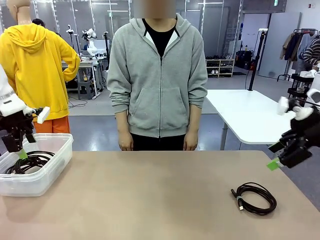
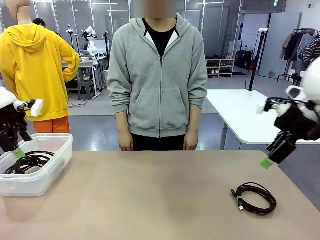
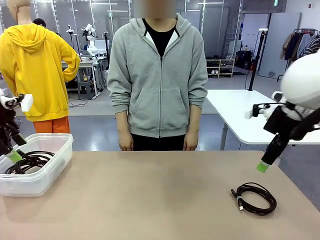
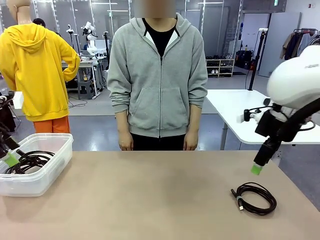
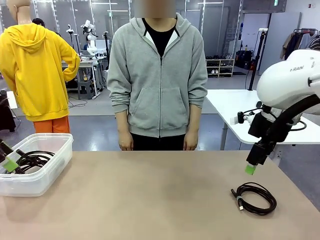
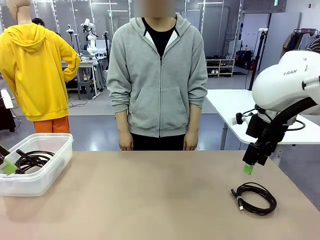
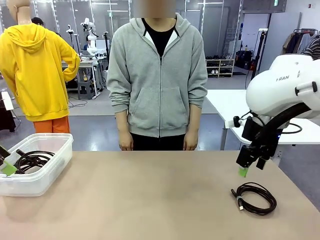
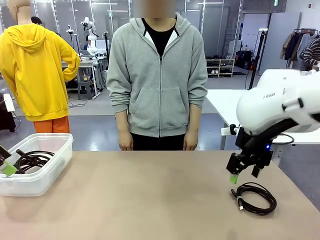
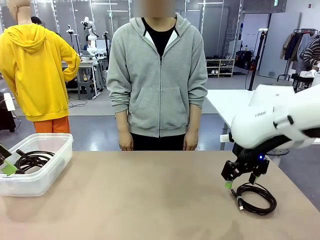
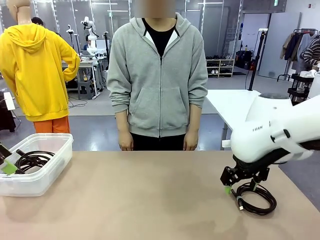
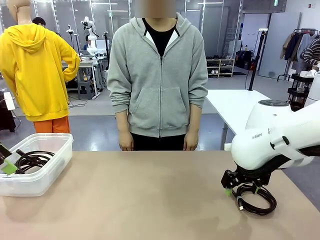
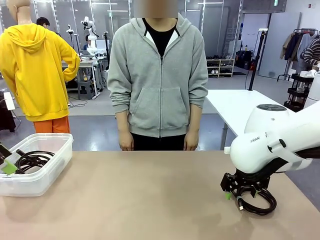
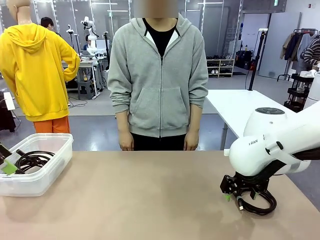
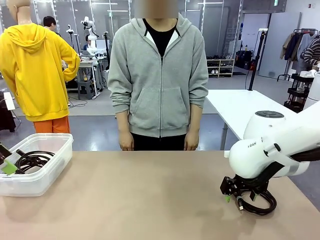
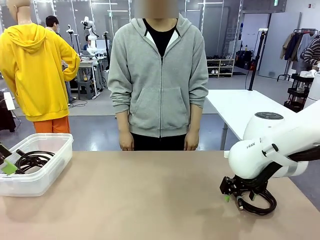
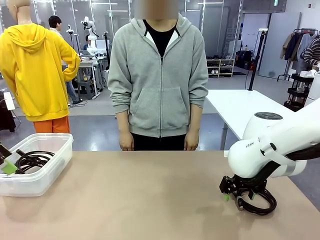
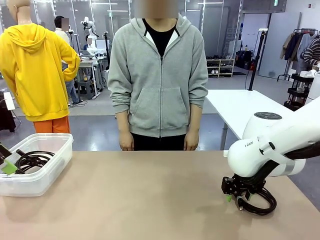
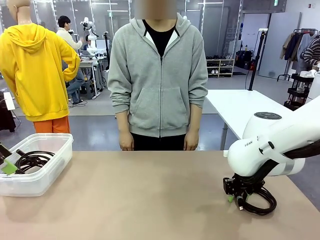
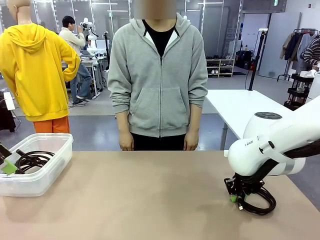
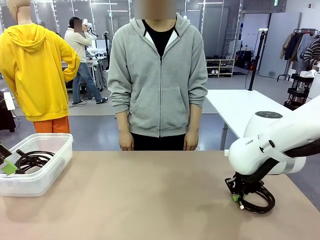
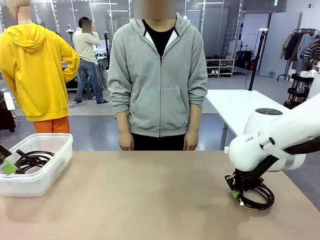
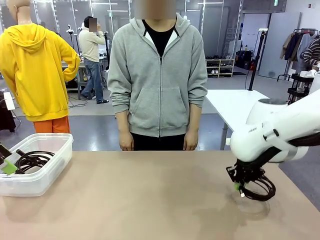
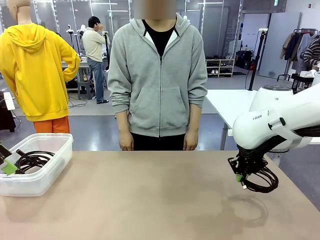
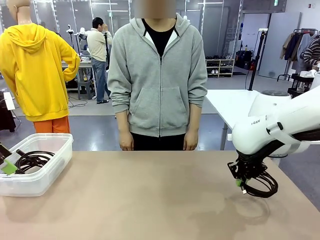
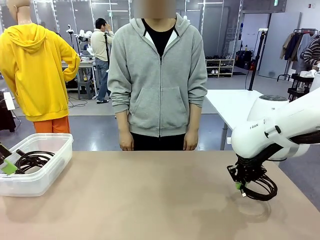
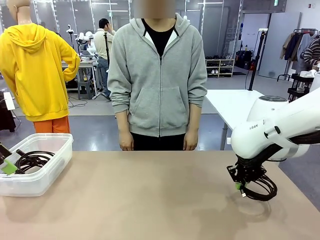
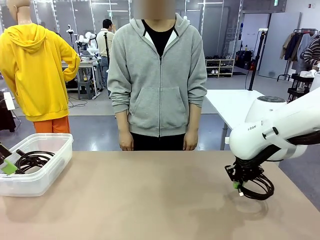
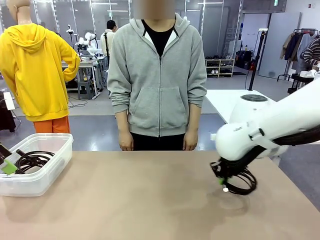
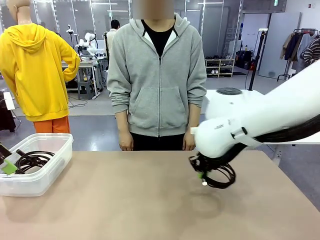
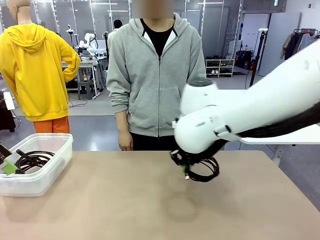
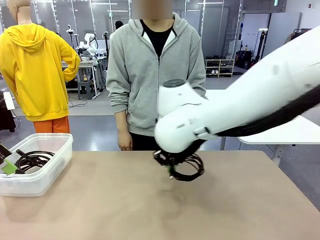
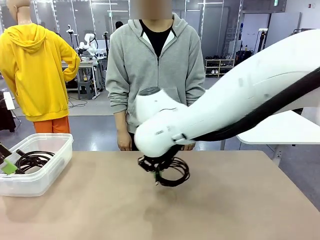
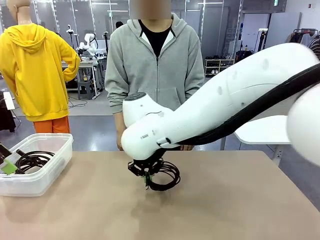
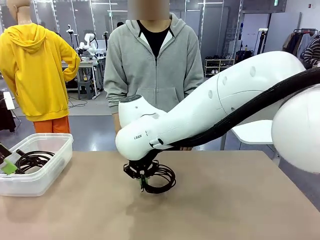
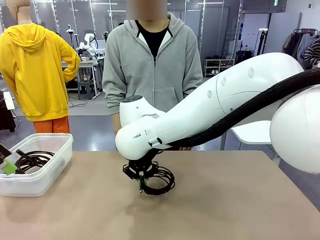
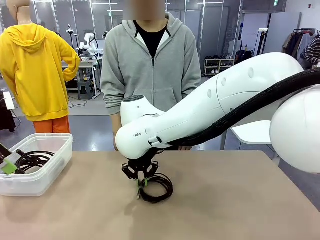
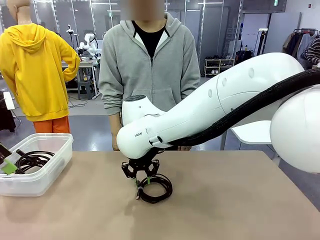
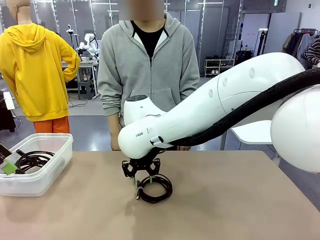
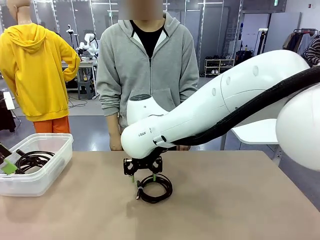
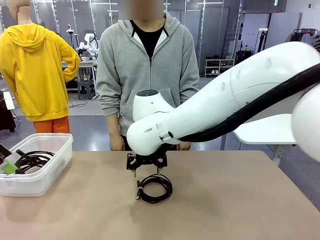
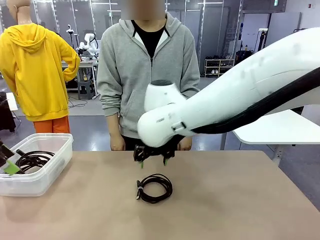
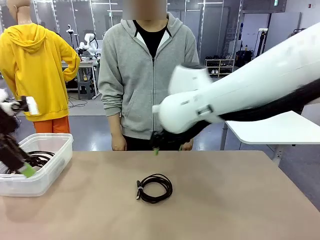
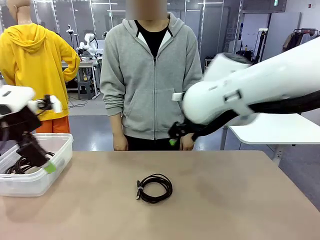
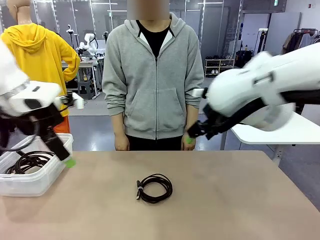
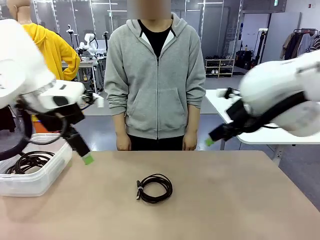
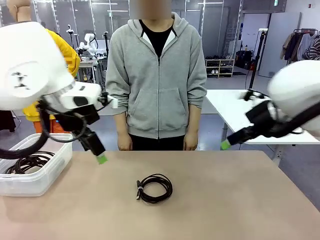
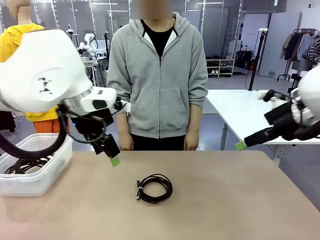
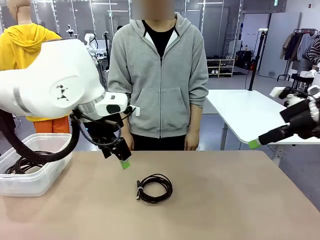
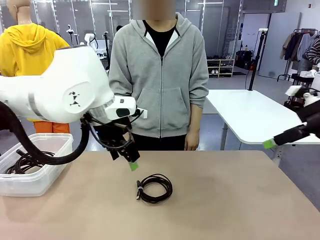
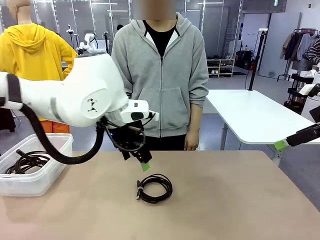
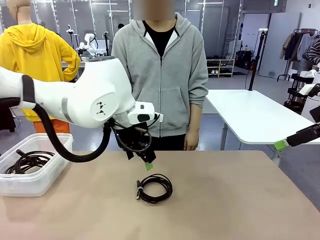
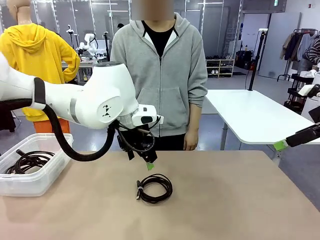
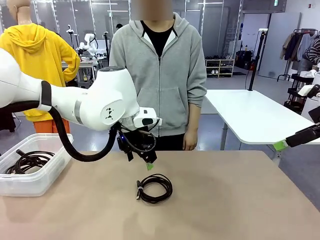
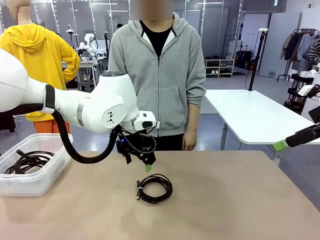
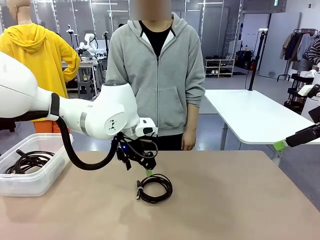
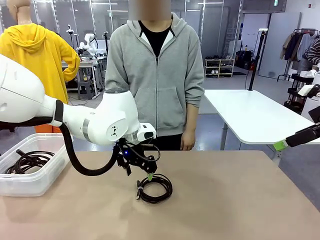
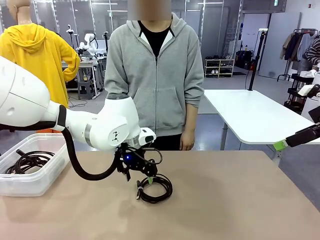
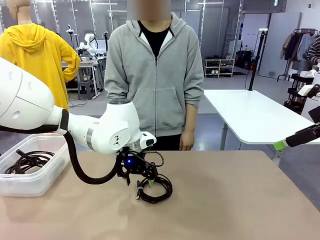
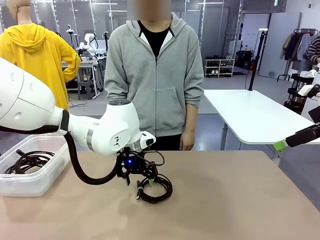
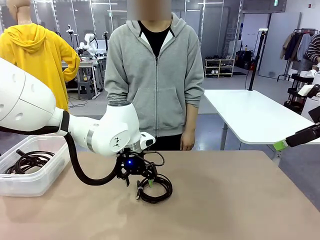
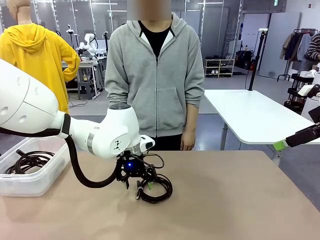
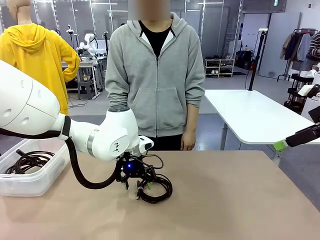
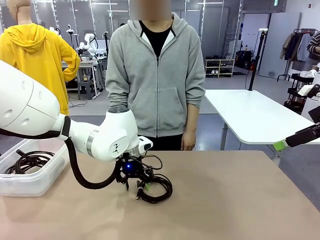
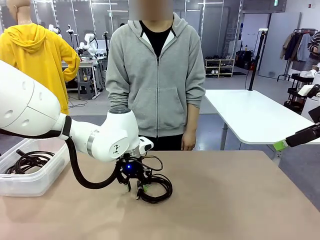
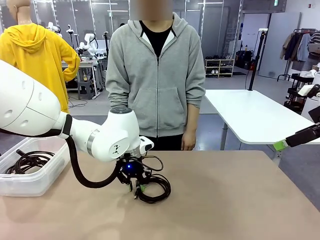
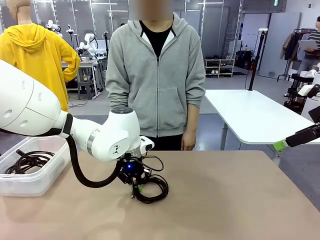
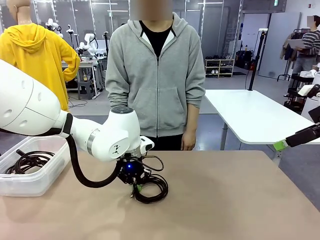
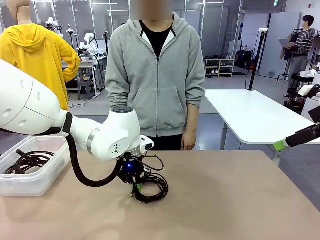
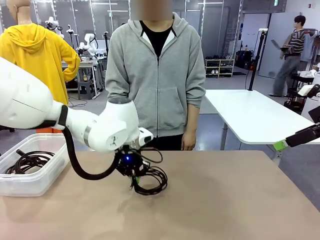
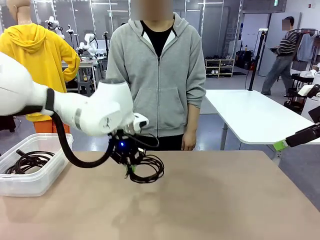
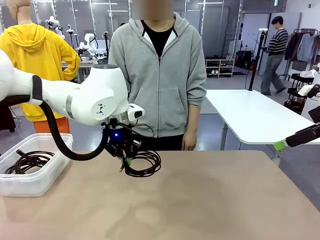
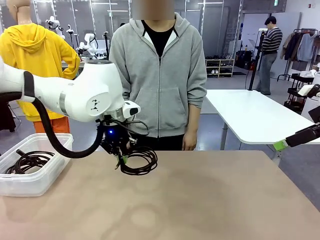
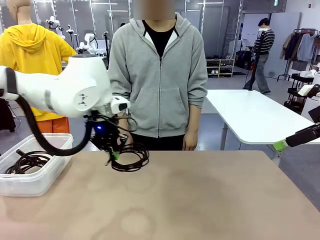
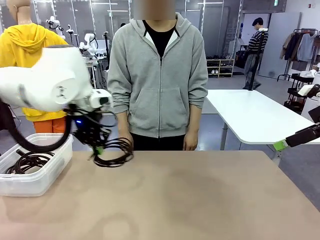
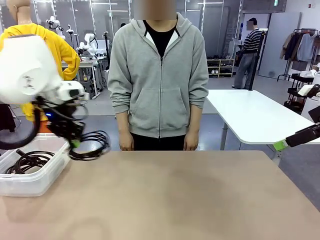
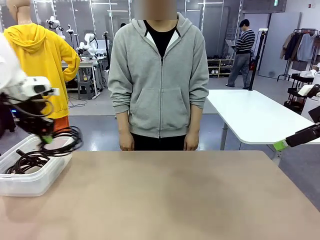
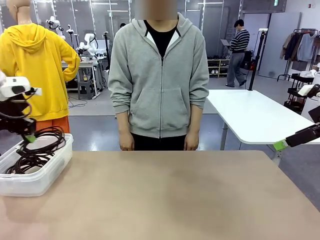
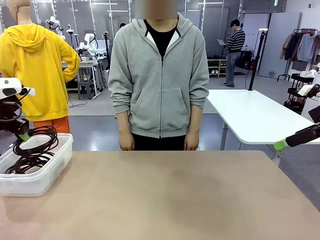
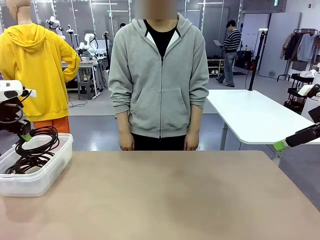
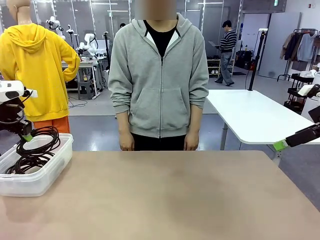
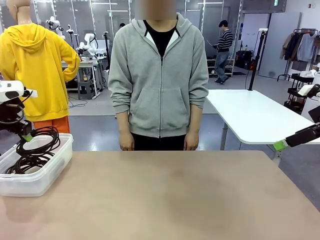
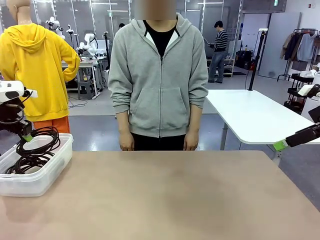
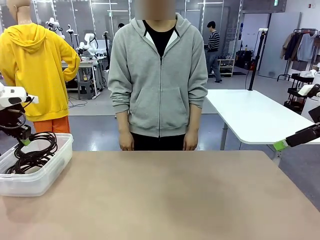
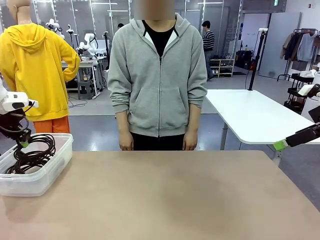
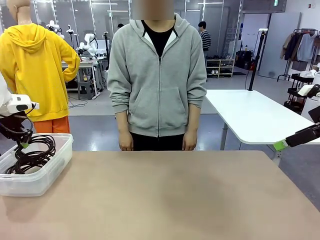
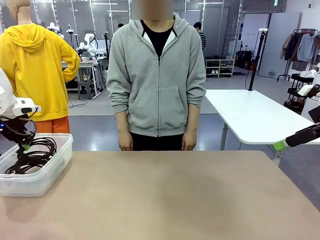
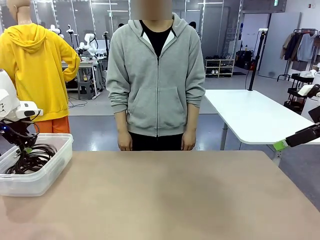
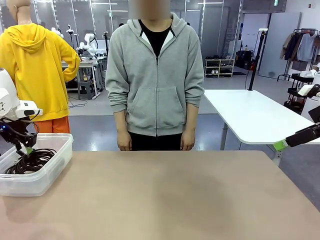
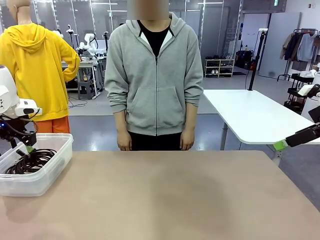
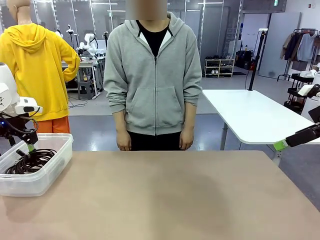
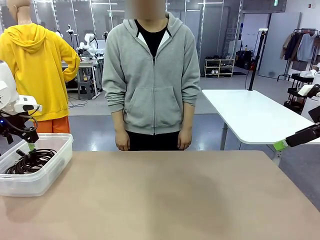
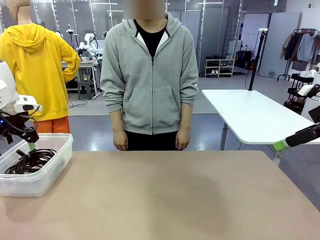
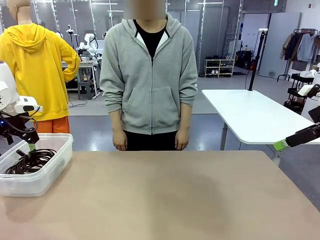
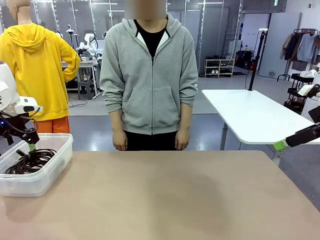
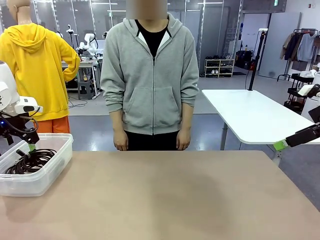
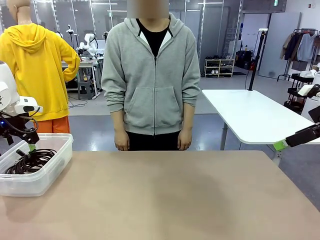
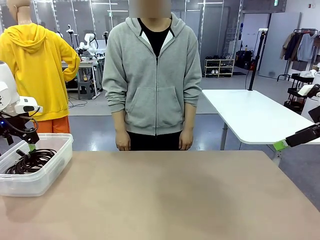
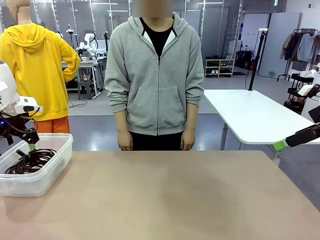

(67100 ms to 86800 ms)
Task: Organize and store the cables.
Robot: Place the USB Extension Cable into the Organizing box.
